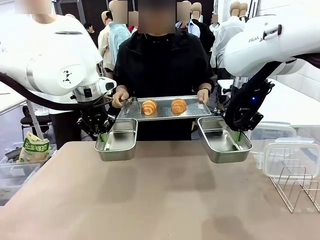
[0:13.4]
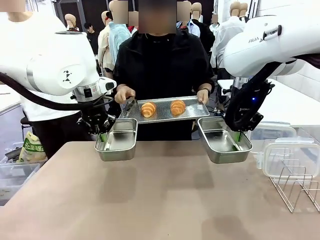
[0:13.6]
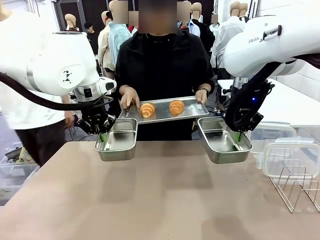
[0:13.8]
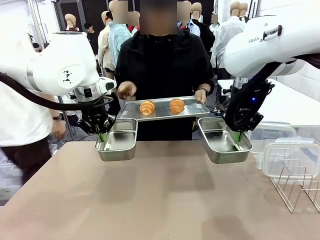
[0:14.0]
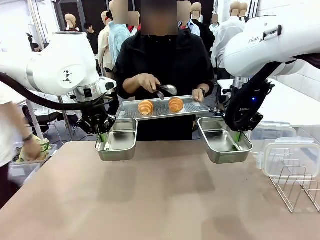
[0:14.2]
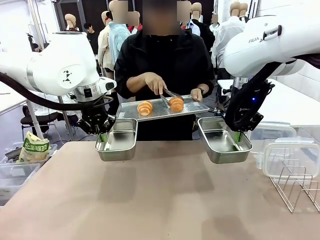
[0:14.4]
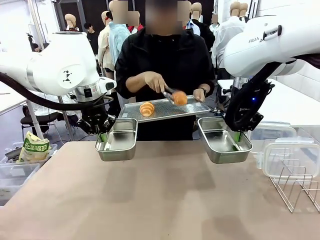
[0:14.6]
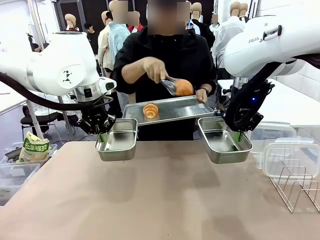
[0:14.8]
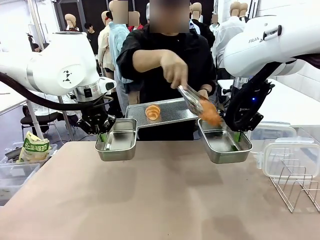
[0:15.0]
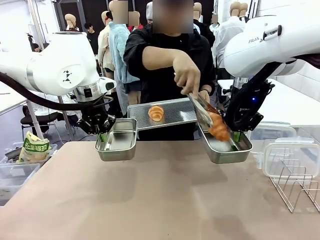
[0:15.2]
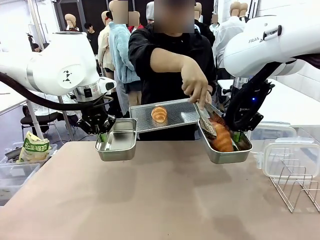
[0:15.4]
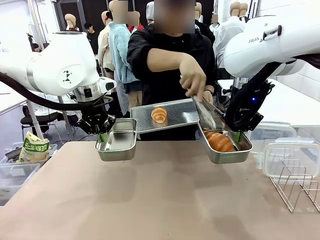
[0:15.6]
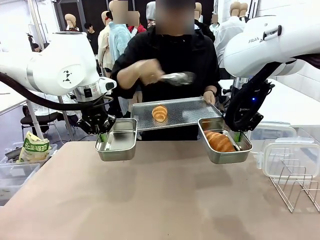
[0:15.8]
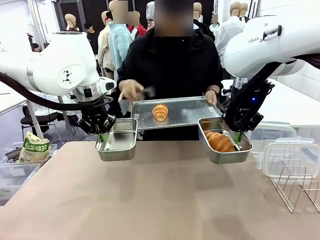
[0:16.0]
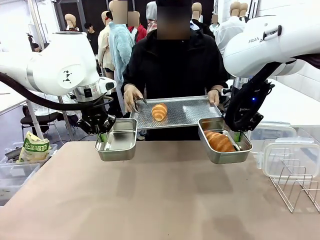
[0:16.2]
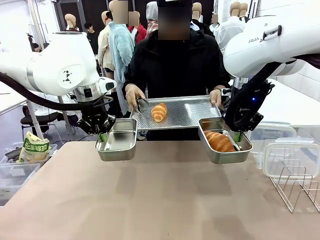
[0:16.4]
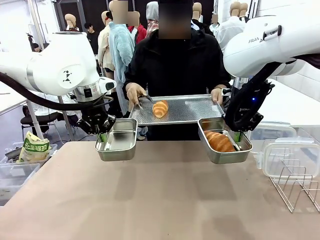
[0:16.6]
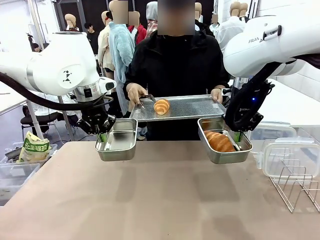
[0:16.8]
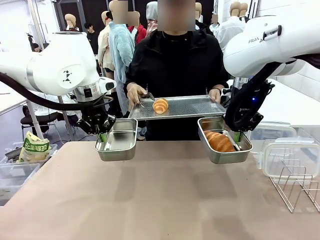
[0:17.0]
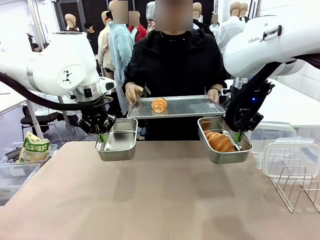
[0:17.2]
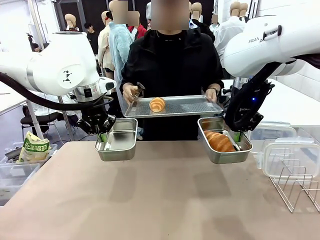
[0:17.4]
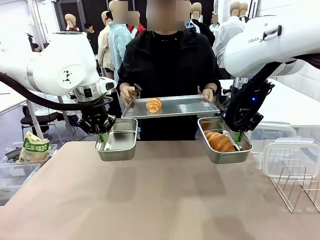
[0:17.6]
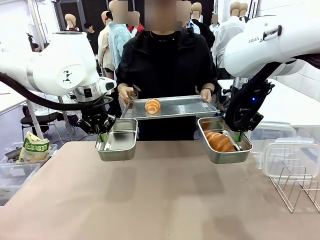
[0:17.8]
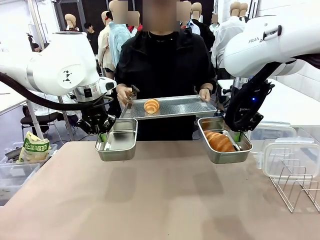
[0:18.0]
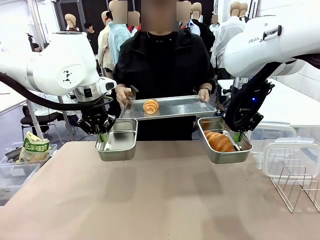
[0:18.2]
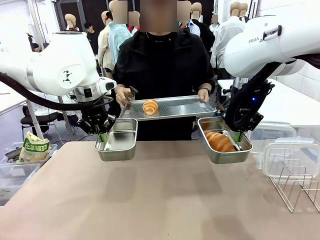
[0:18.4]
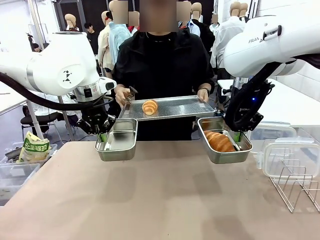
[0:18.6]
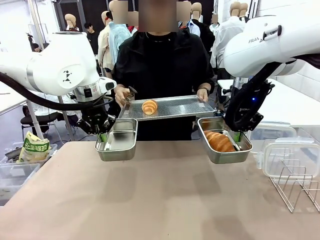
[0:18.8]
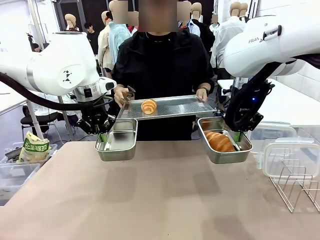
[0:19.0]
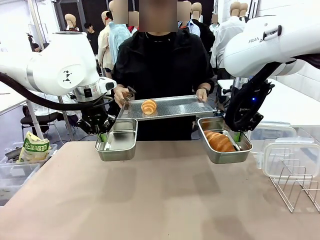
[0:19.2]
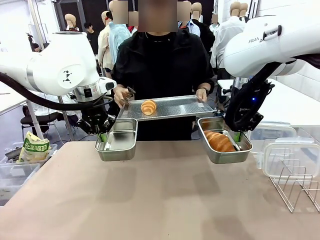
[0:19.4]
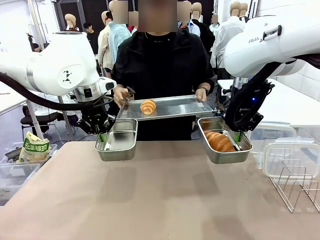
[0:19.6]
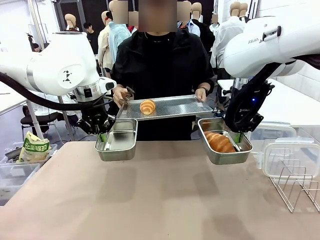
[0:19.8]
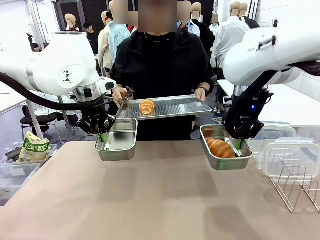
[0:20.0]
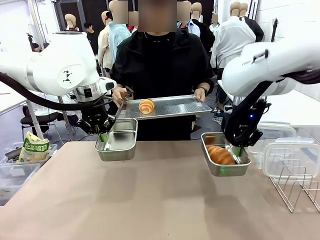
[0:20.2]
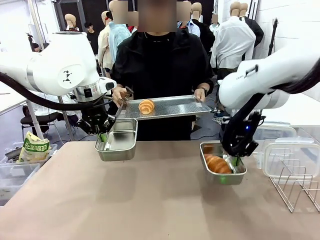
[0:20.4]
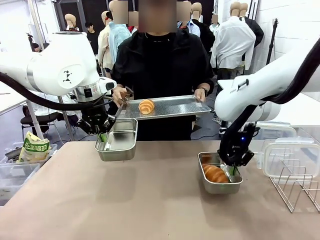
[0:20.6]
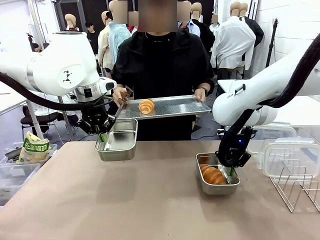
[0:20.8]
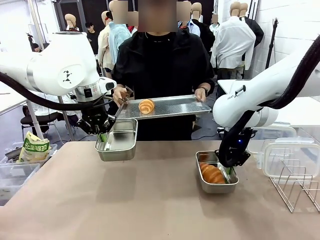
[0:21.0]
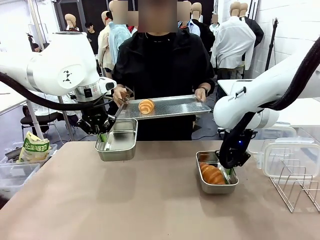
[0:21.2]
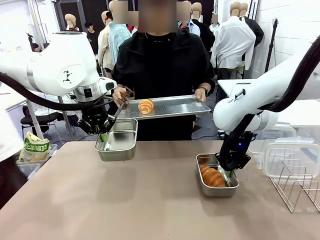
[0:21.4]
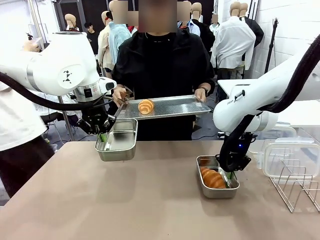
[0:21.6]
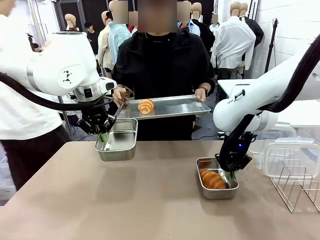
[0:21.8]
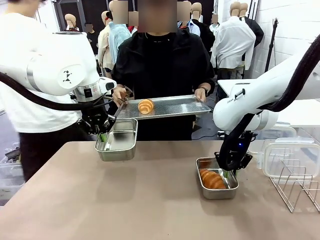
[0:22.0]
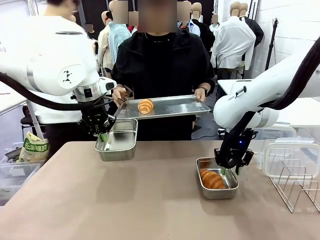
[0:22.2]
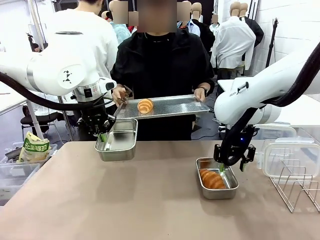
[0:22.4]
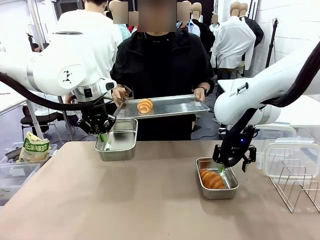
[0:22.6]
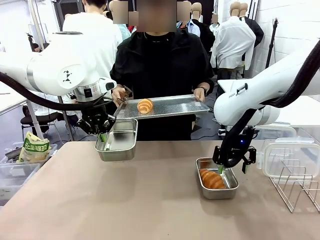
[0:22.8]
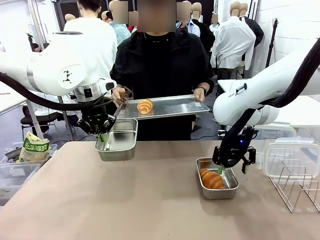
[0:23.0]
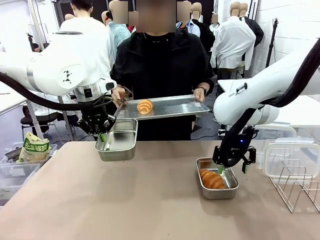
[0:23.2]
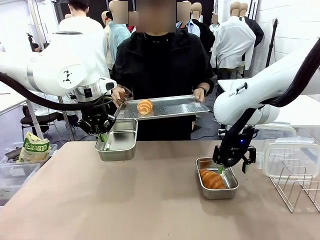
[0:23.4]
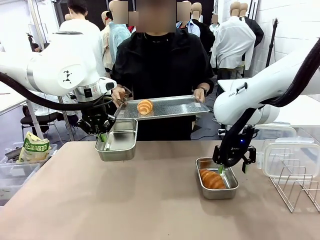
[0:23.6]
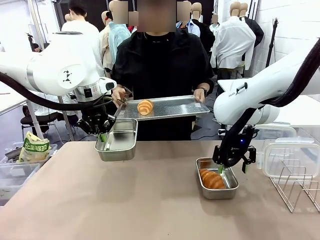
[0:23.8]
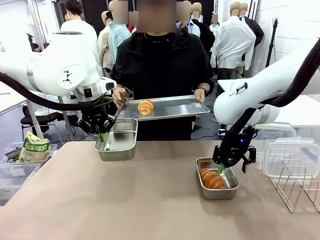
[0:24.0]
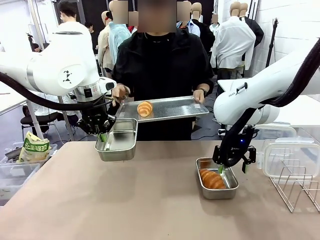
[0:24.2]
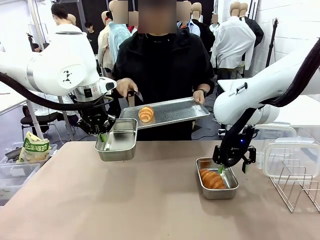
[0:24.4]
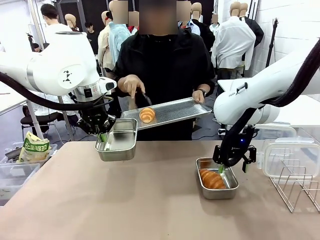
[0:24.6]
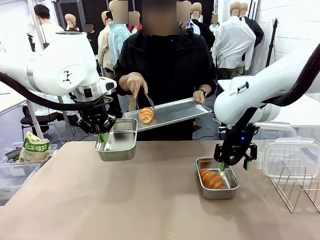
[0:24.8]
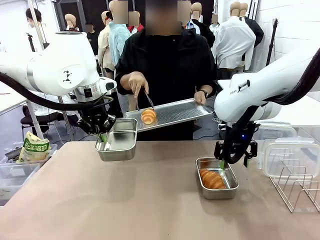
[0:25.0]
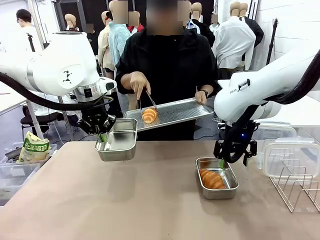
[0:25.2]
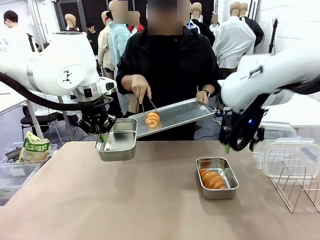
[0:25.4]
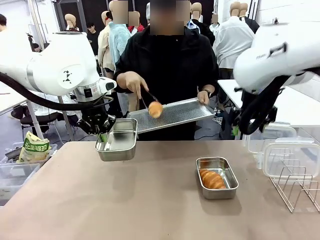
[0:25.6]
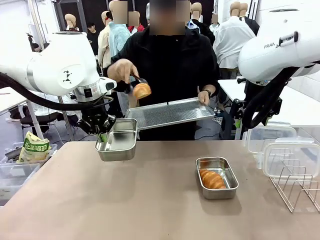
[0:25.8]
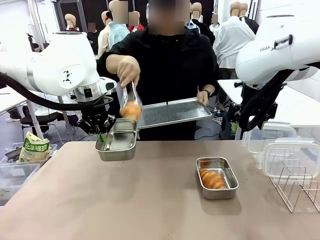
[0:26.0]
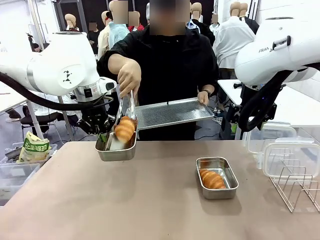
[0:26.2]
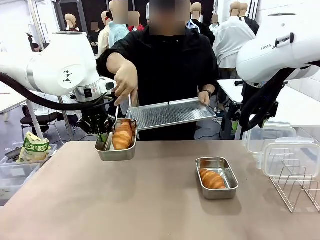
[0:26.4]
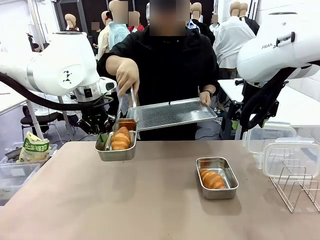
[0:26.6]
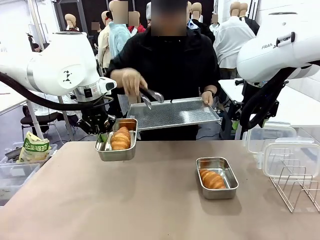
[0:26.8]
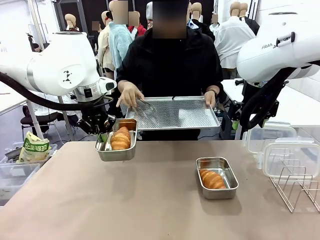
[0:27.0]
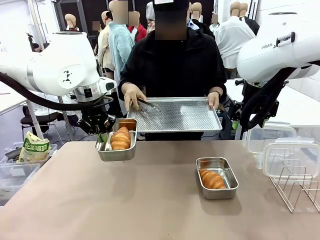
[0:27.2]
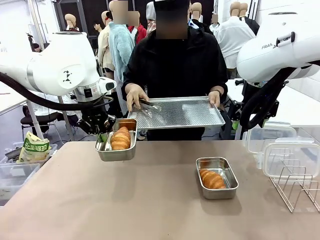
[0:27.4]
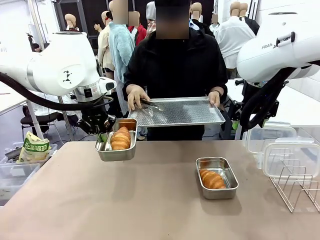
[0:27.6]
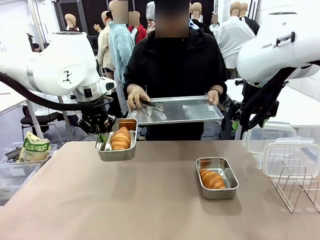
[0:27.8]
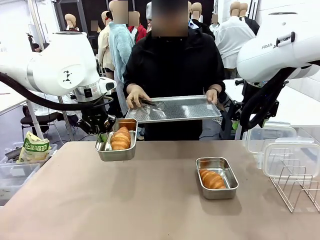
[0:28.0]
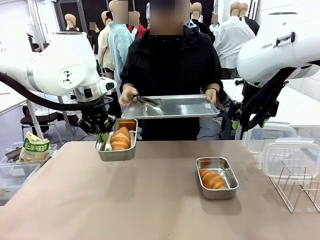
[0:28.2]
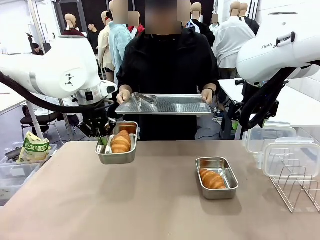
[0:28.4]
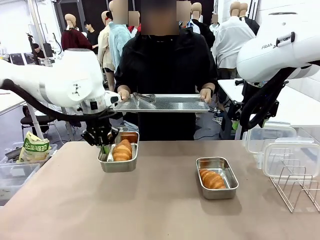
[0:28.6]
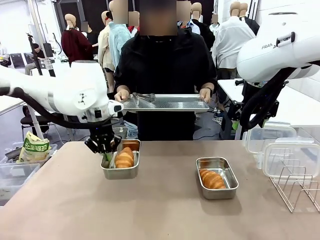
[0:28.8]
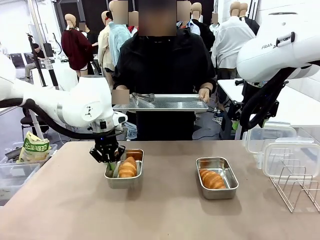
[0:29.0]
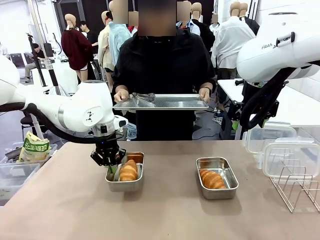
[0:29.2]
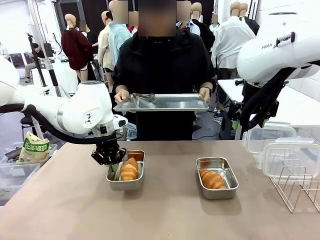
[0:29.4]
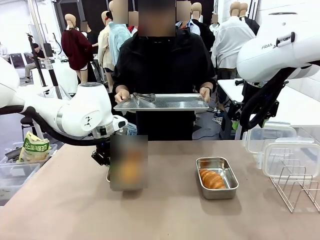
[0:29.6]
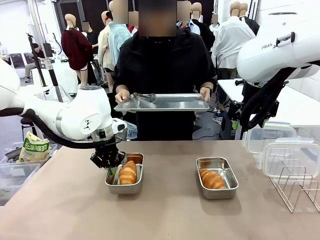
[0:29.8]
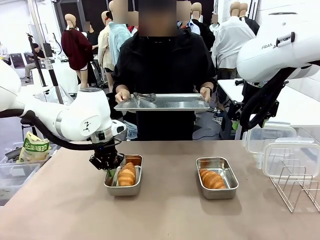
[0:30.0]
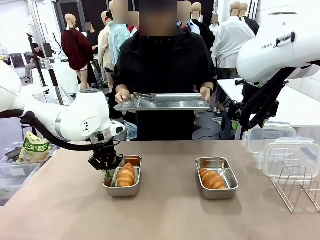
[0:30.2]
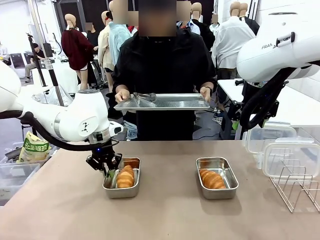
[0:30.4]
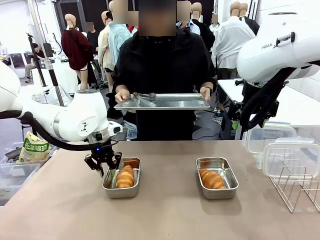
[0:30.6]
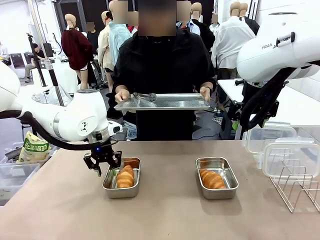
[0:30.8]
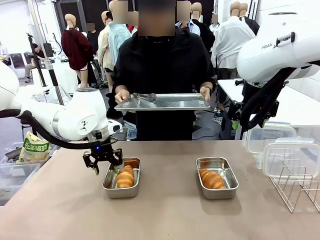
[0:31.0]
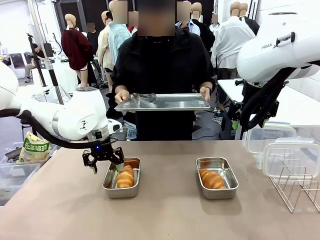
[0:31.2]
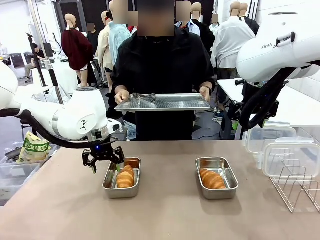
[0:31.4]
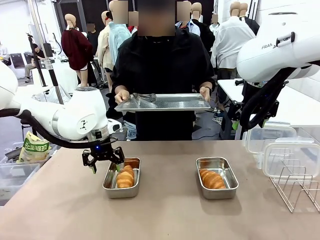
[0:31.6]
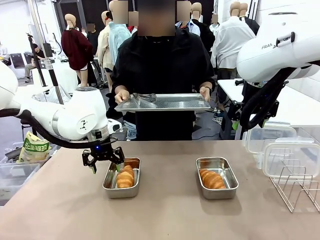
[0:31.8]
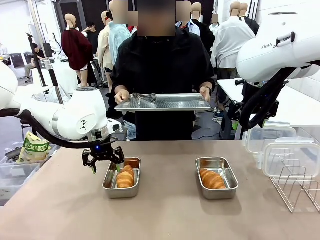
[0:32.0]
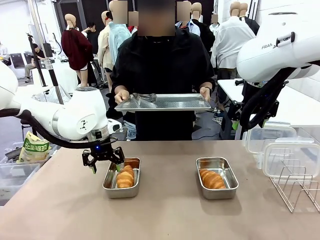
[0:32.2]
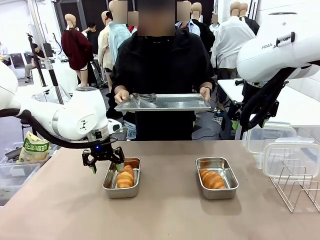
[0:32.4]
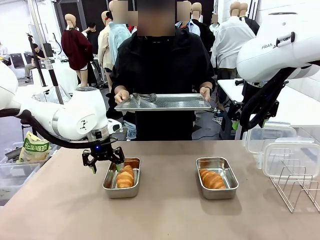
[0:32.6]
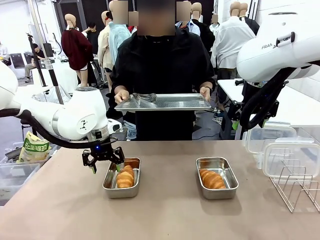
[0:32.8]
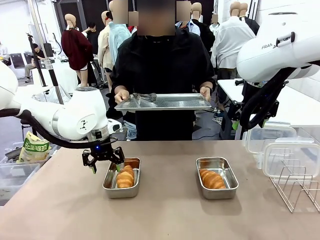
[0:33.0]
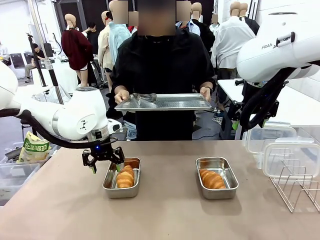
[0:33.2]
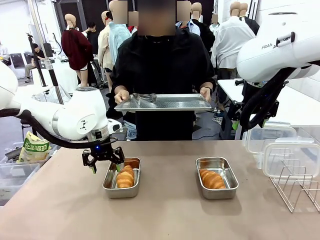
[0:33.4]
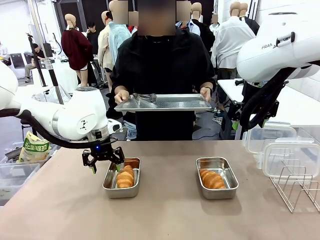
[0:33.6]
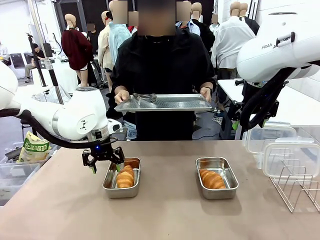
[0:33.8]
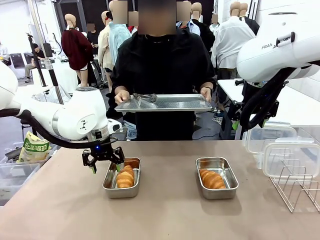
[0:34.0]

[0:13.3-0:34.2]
Task: Place the bread in airtight containers.
Robot: Once an object is inside an Airtight Container , place the container in the center of the table.
Person: Use the Stainless steel tongs to place one object from Baking Sheet into one Airtight Container. Place Baking Sheet on the Human's Table.
